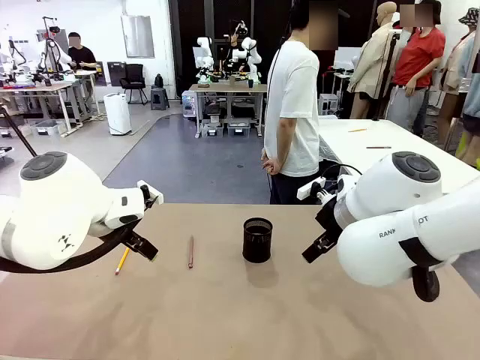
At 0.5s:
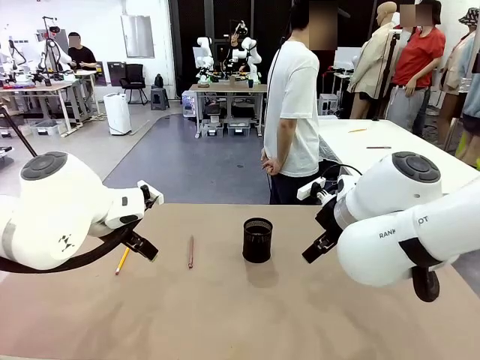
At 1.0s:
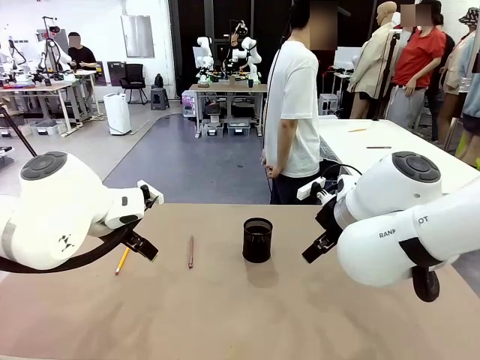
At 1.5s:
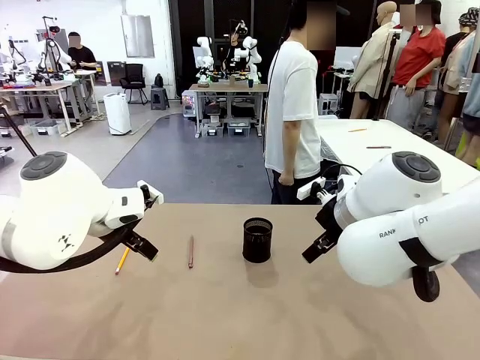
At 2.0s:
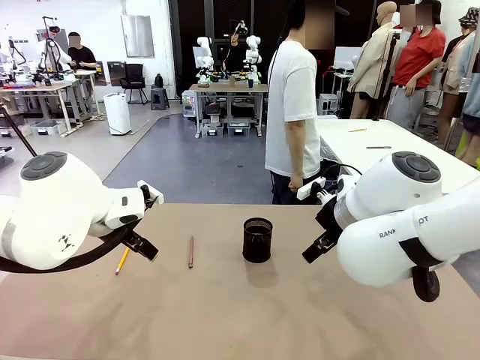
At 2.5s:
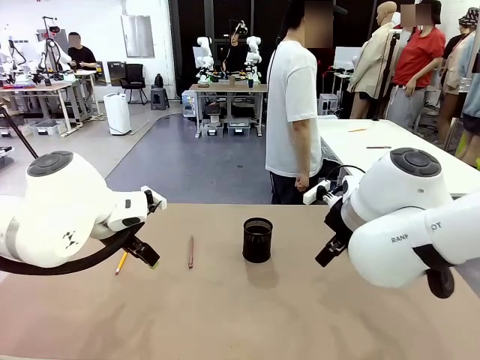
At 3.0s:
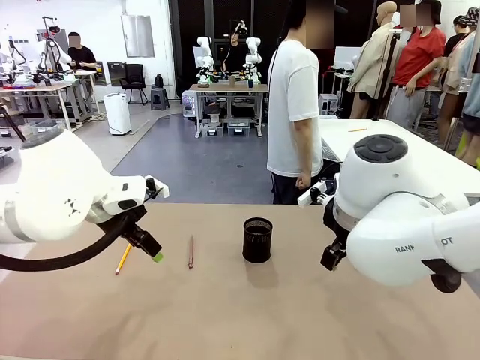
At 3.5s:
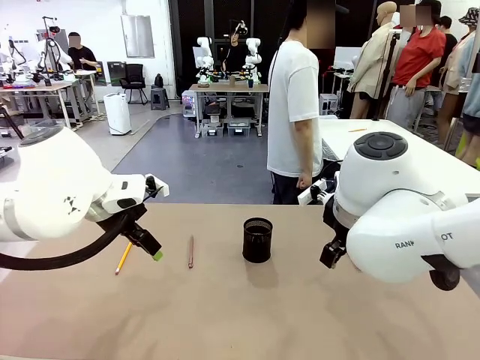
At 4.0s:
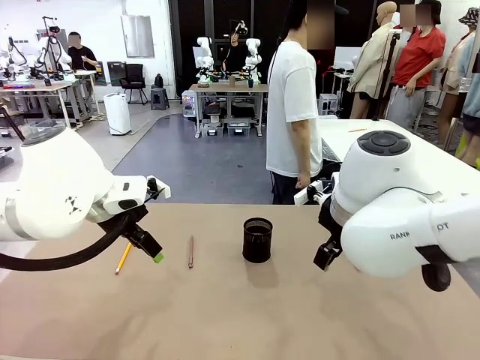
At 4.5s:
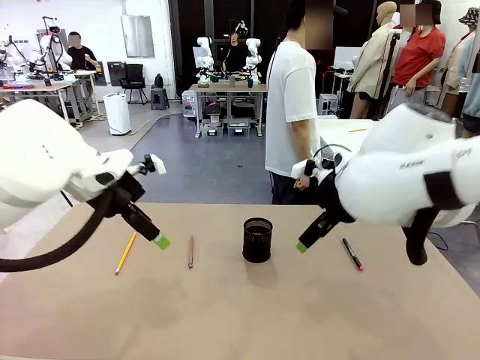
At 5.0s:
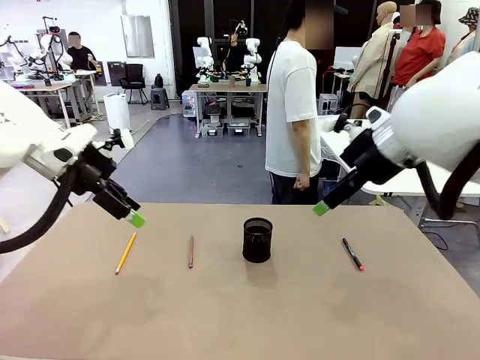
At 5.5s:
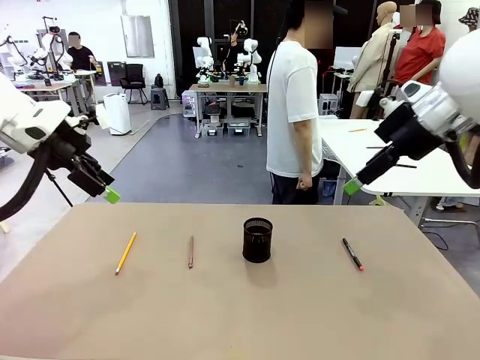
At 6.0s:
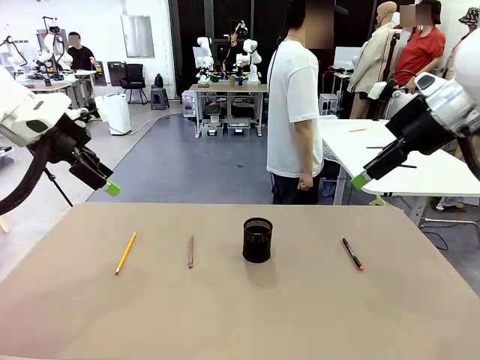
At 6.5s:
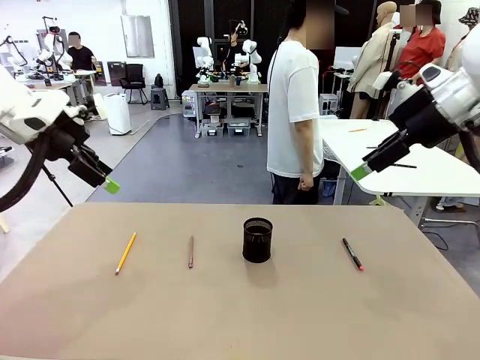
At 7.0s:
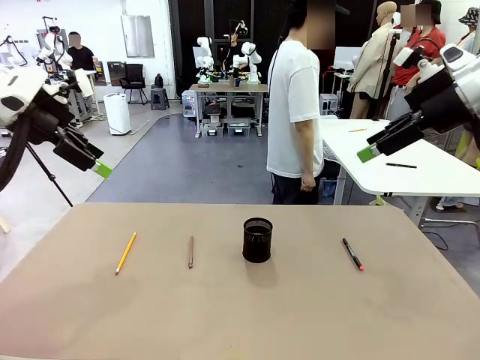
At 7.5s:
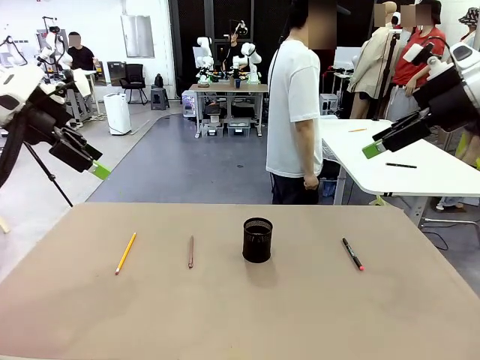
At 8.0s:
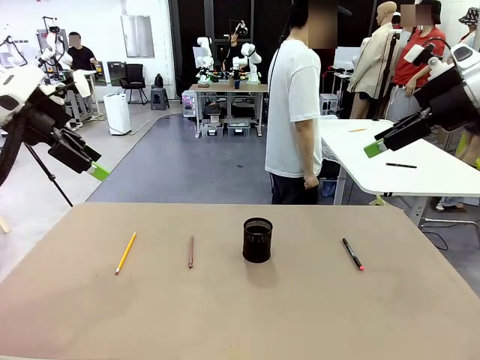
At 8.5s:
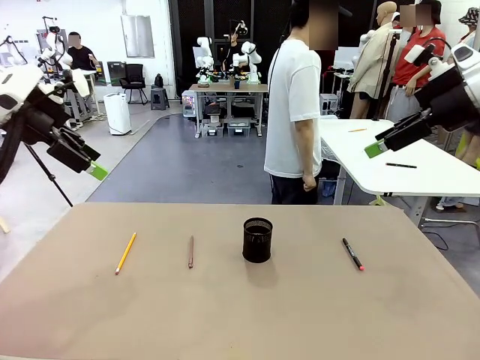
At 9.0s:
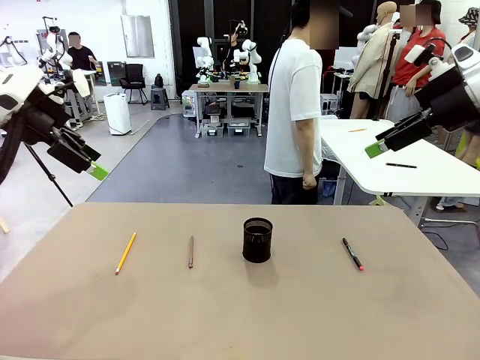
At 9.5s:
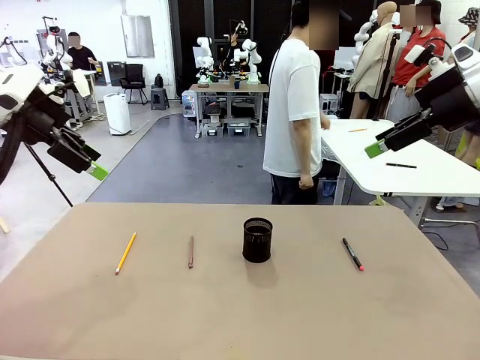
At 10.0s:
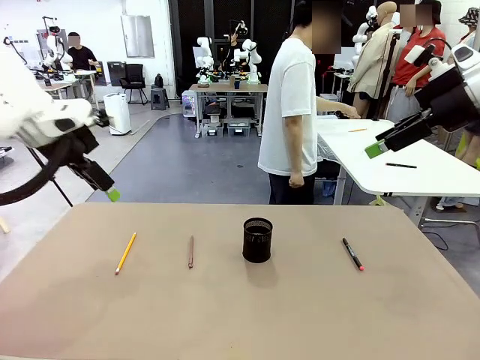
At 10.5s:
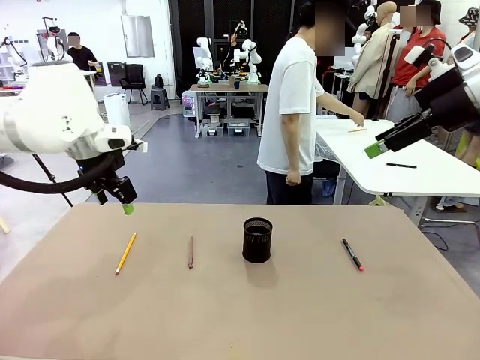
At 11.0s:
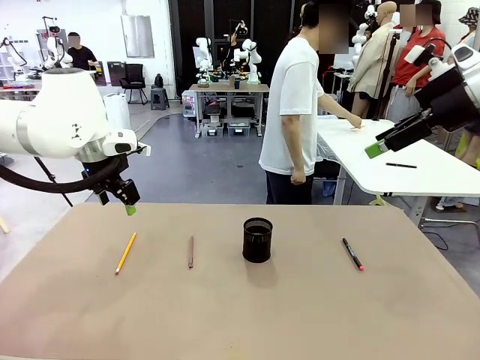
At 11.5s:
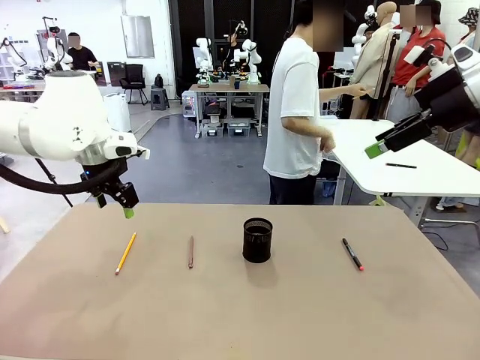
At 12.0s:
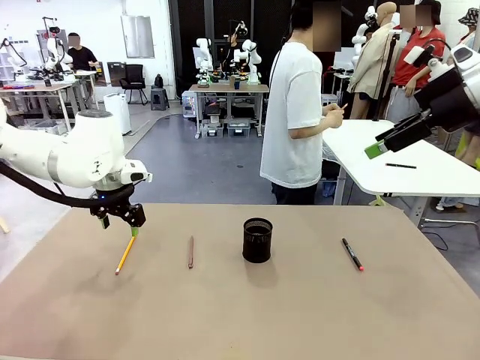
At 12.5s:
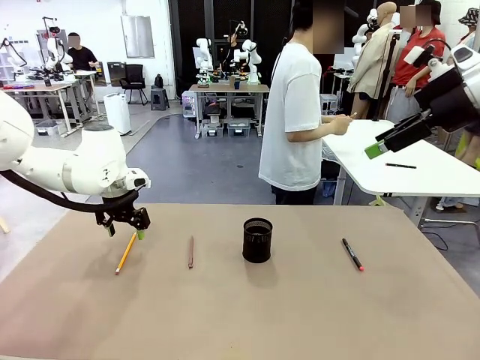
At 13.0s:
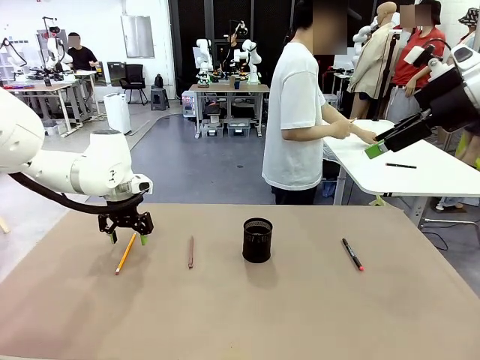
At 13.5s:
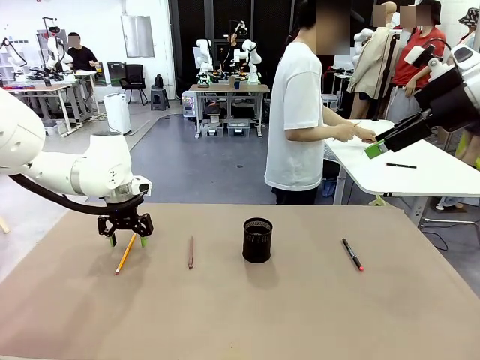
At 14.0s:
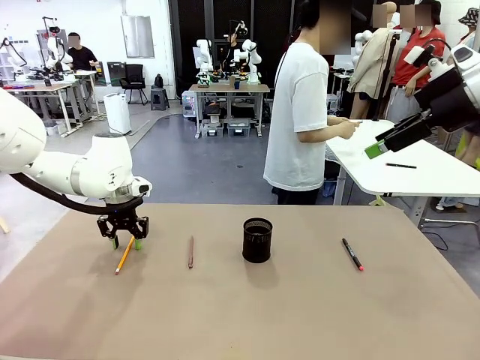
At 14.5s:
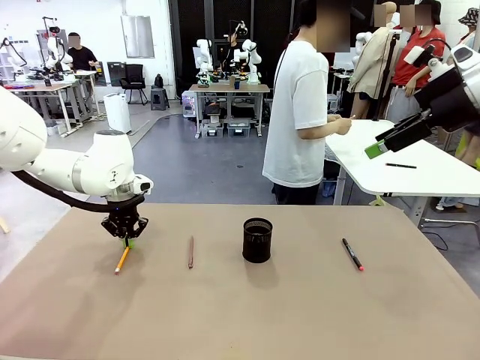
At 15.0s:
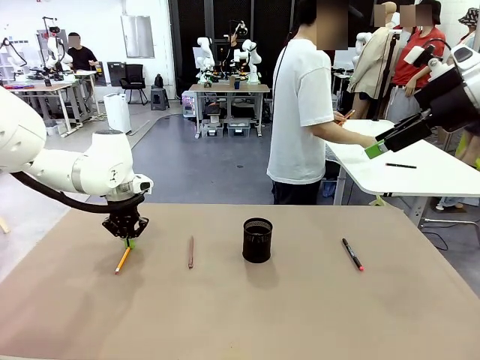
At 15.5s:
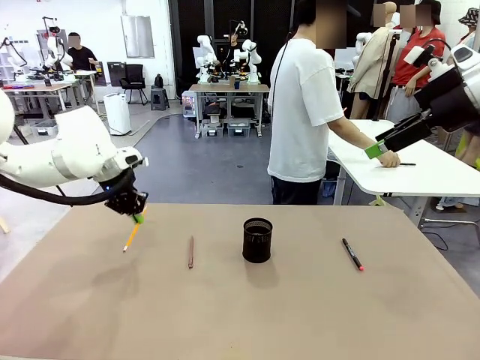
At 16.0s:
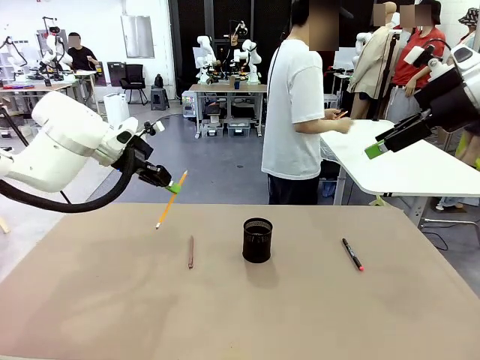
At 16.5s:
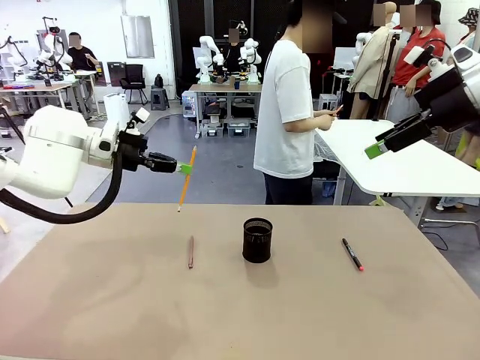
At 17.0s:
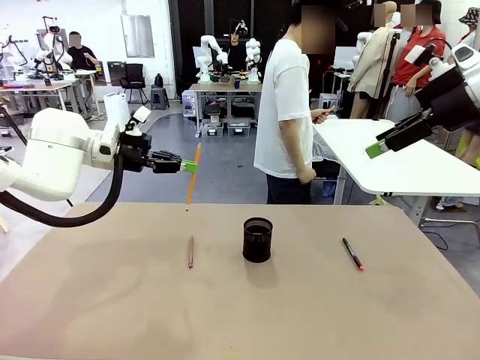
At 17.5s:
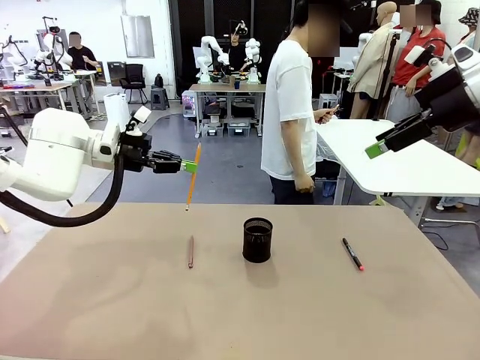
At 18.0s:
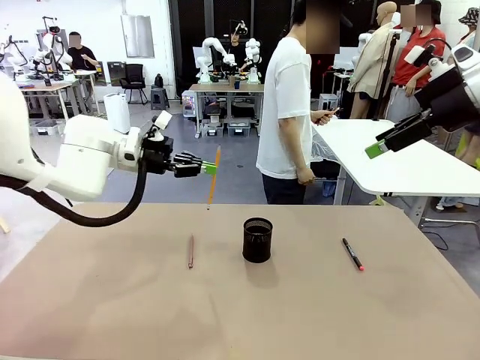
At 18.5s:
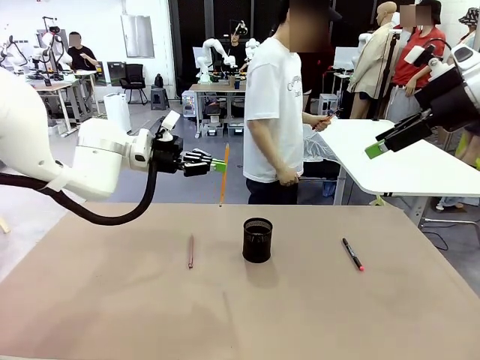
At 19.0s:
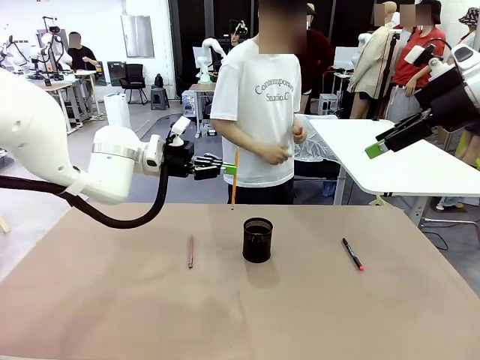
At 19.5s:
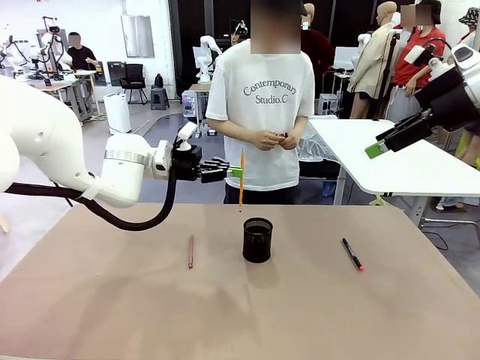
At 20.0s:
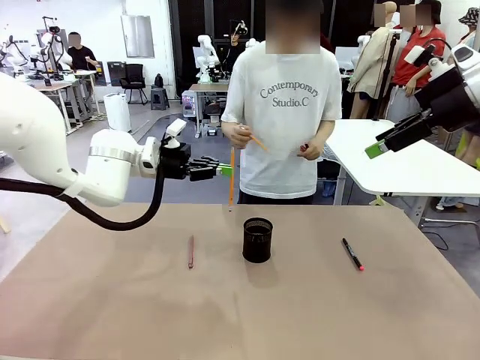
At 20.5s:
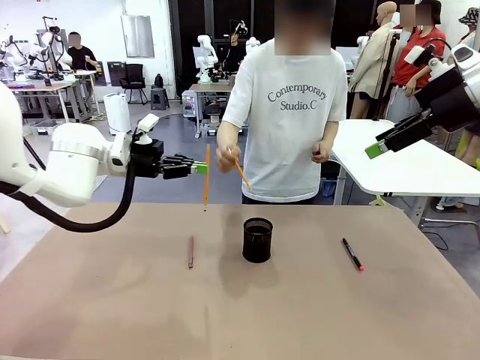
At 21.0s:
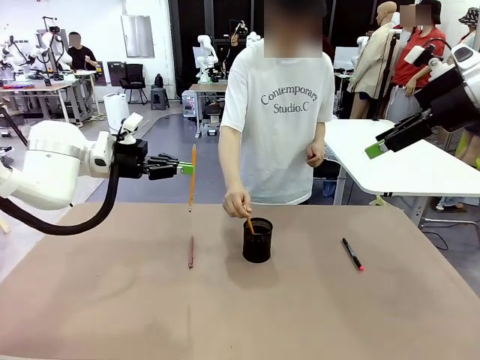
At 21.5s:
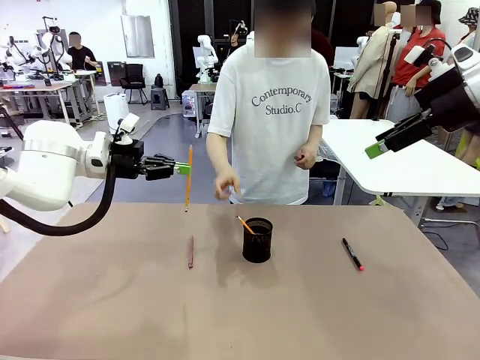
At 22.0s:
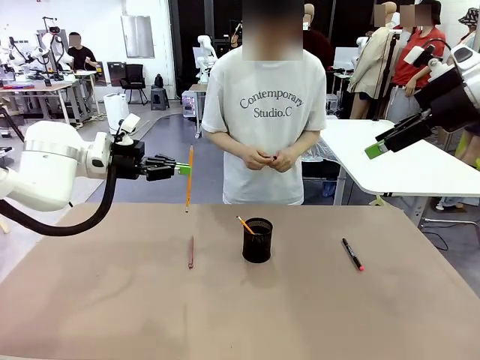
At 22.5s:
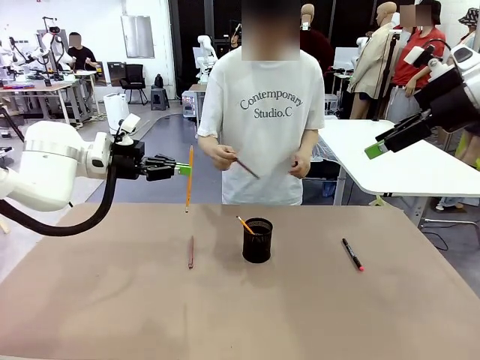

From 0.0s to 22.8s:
Task: Place the pens into the pen holder.
Robot: Pick up a writing instrument from the table and place it into the Pen holder.
Person: Pick up all writing instruments from the Human table.

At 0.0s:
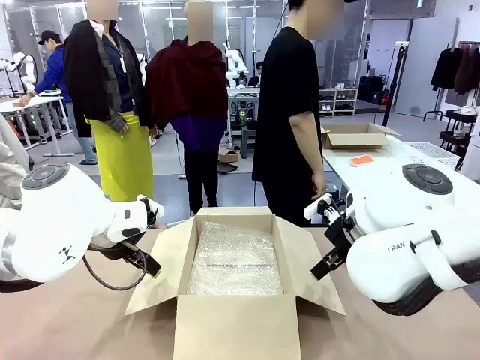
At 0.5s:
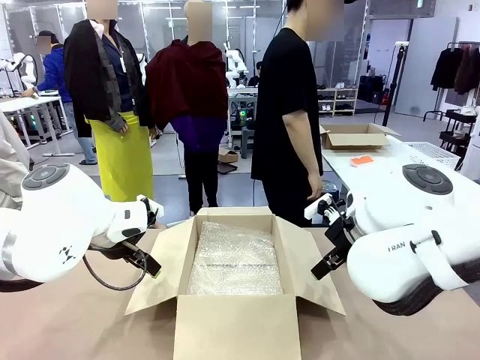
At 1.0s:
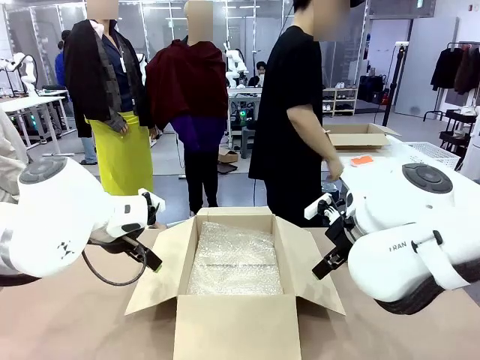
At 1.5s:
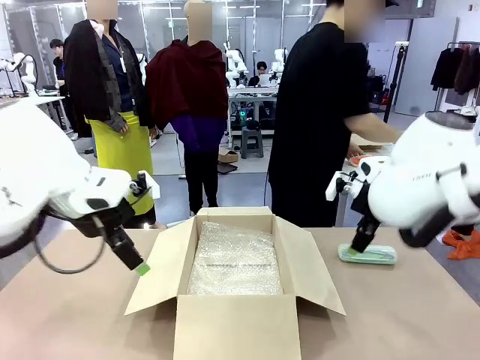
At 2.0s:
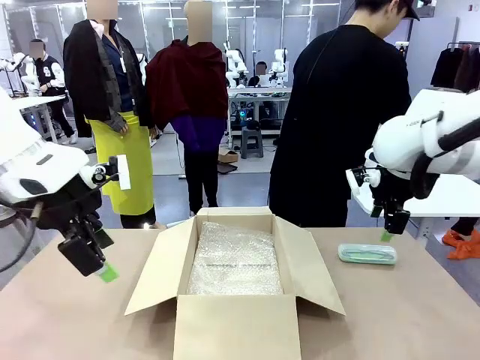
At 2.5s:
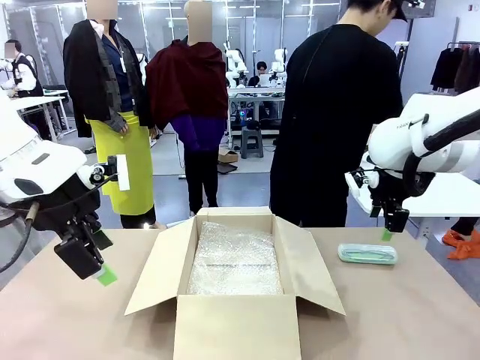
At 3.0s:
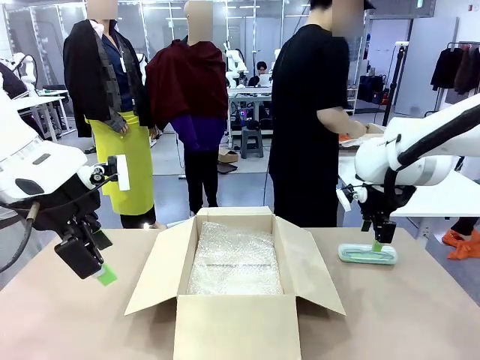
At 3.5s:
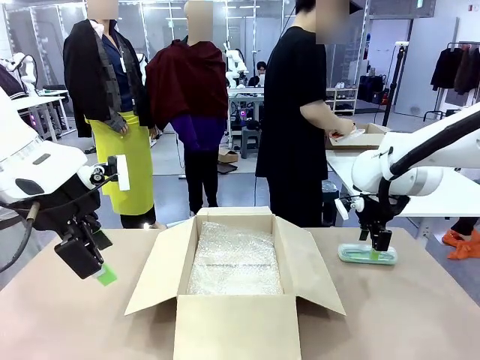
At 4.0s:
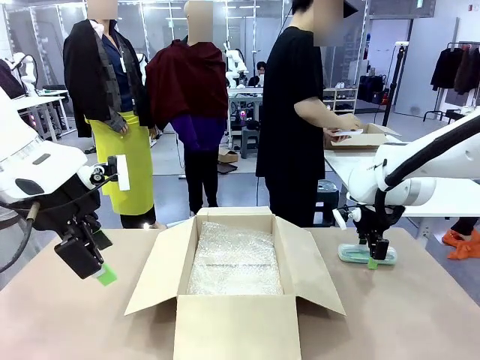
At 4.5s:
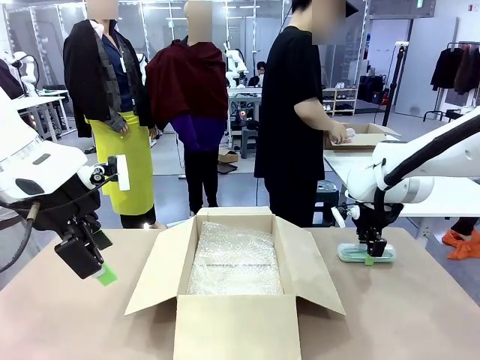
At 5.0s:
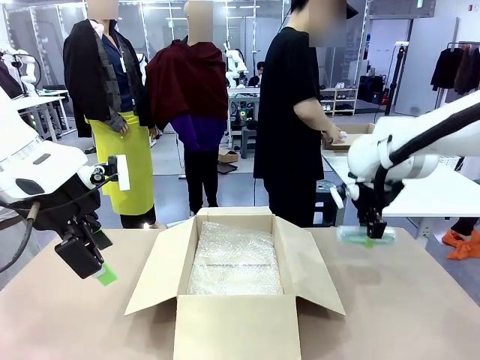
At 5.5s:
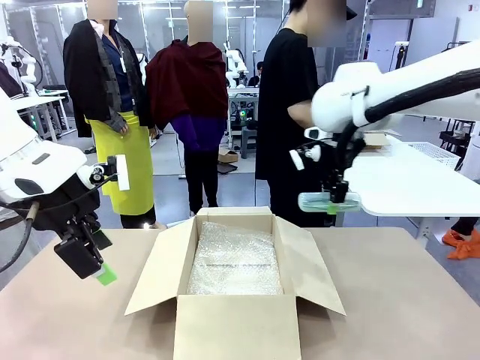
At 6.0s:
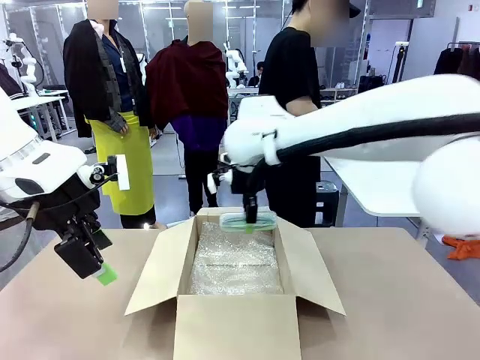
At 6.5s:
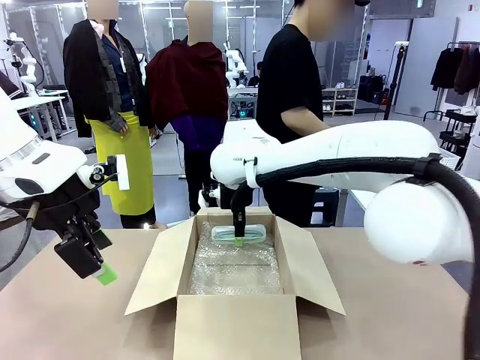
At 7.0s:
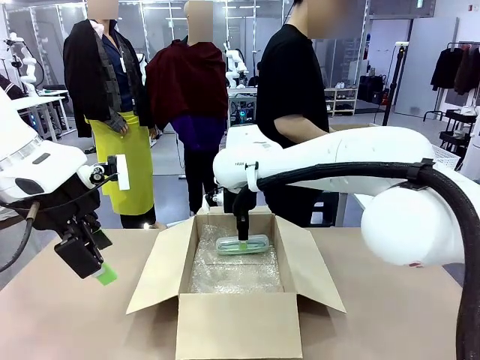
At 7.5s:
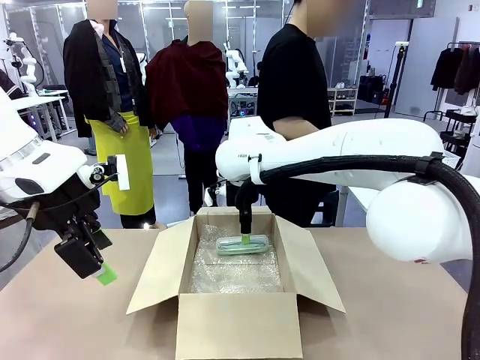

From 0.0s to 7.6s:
Task: Pack the glasses set securely to prepare it for shipping.
Robot: Place the Glasses case inside the Package Box.
Person: Place the Glasses inside the Glasses case.
